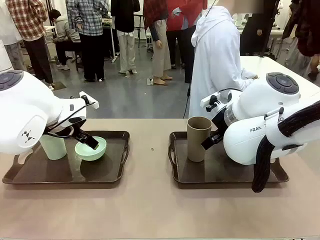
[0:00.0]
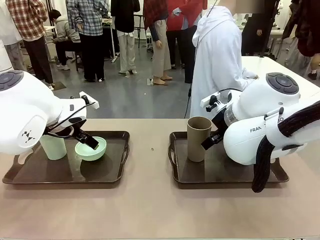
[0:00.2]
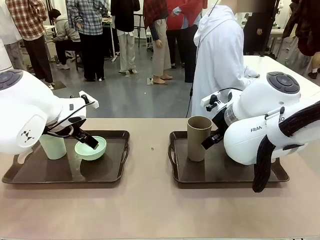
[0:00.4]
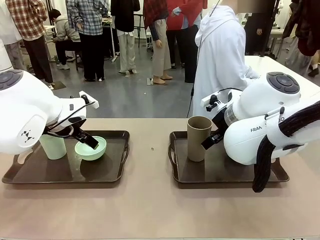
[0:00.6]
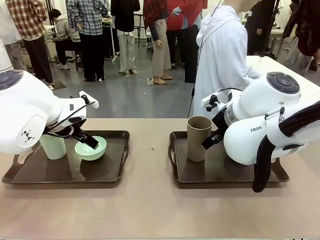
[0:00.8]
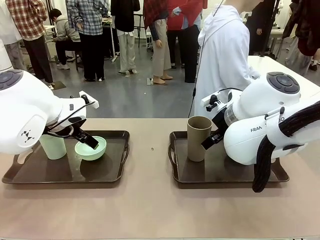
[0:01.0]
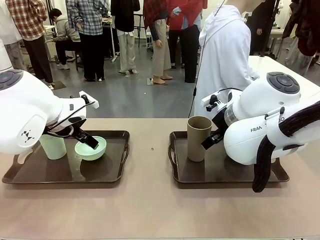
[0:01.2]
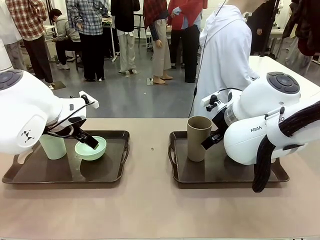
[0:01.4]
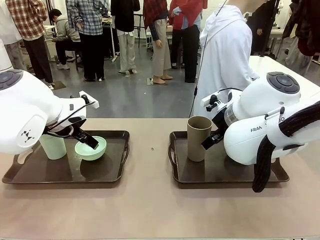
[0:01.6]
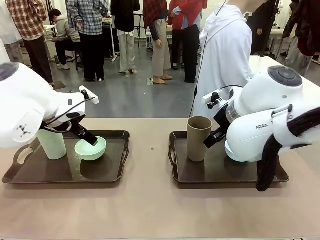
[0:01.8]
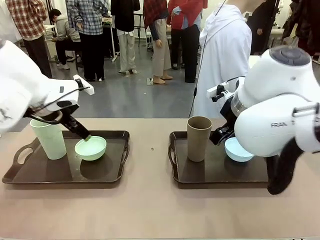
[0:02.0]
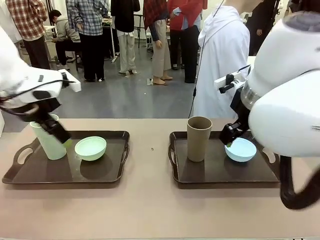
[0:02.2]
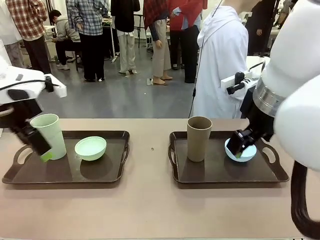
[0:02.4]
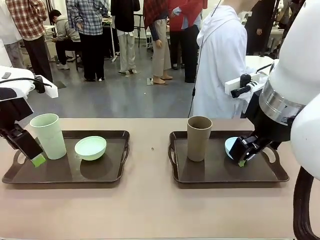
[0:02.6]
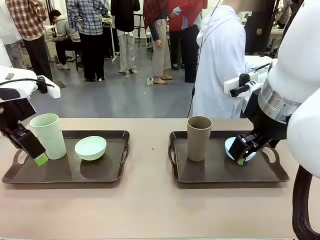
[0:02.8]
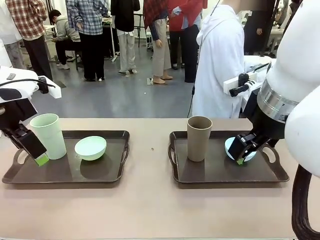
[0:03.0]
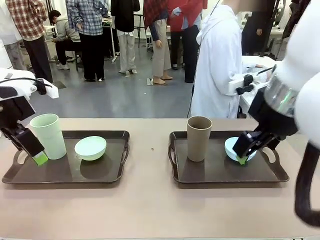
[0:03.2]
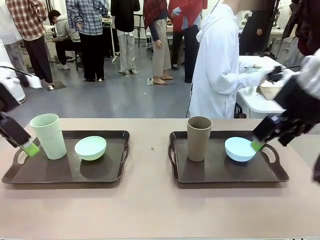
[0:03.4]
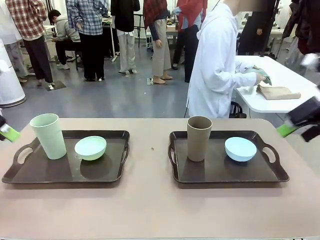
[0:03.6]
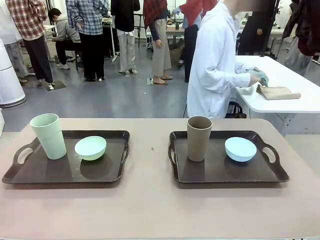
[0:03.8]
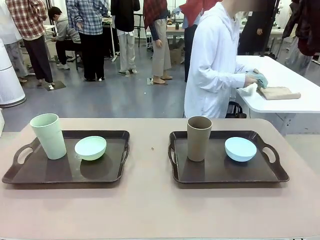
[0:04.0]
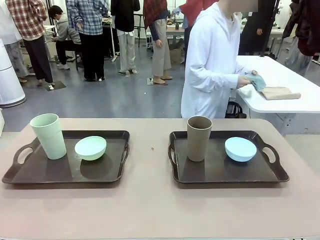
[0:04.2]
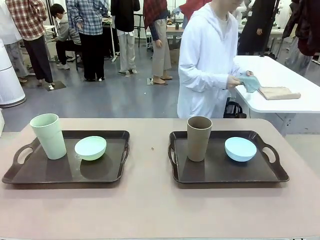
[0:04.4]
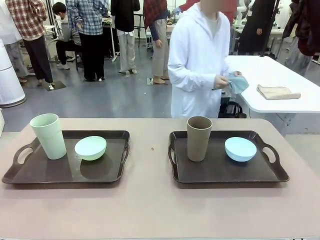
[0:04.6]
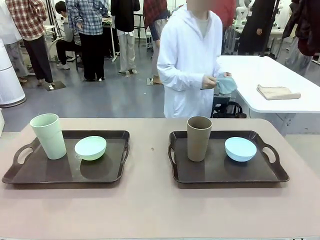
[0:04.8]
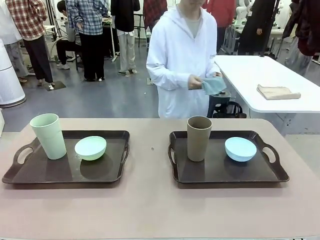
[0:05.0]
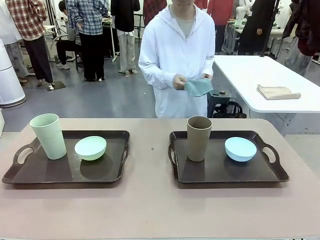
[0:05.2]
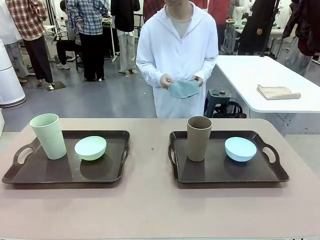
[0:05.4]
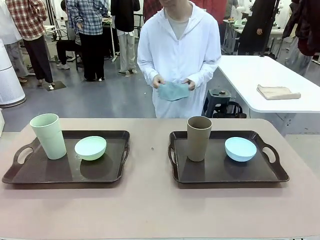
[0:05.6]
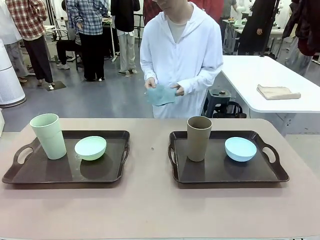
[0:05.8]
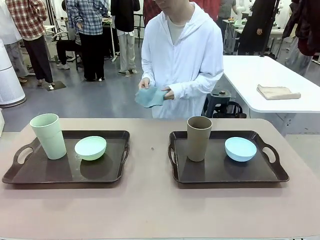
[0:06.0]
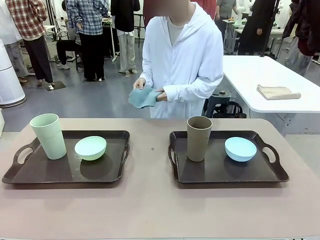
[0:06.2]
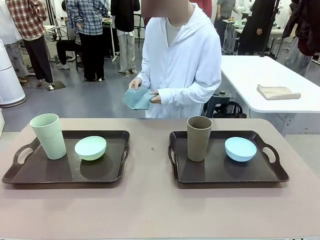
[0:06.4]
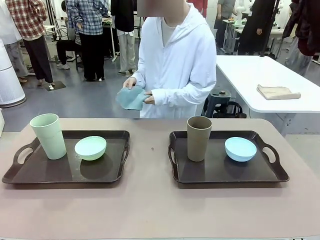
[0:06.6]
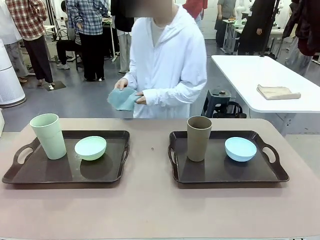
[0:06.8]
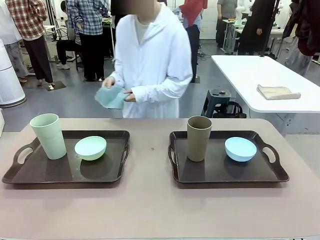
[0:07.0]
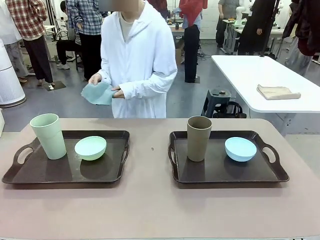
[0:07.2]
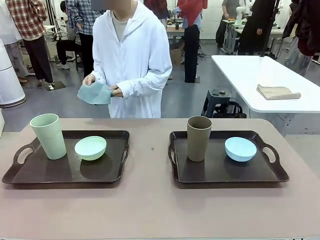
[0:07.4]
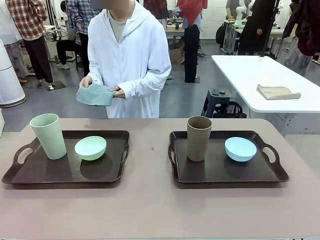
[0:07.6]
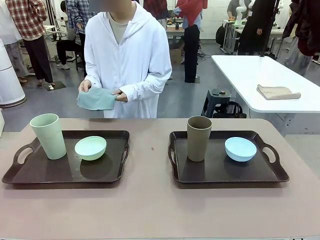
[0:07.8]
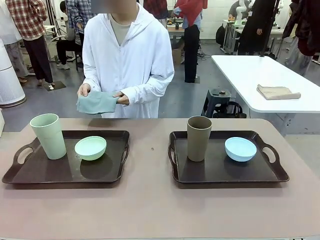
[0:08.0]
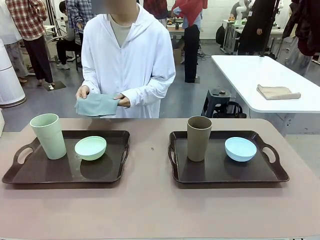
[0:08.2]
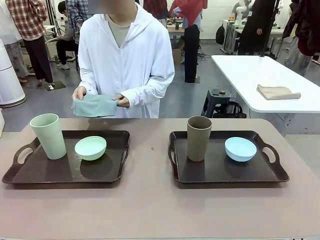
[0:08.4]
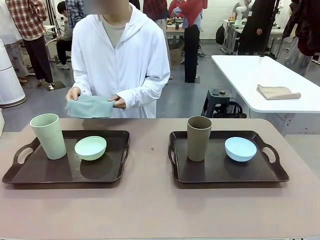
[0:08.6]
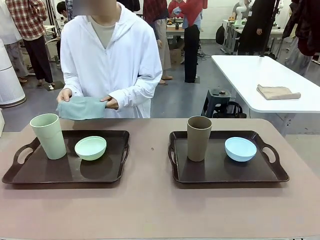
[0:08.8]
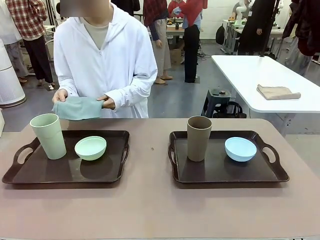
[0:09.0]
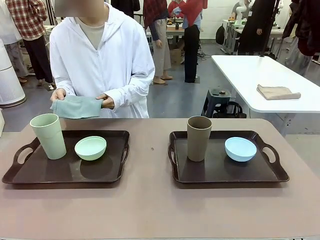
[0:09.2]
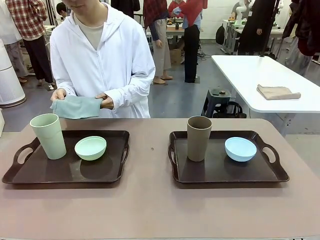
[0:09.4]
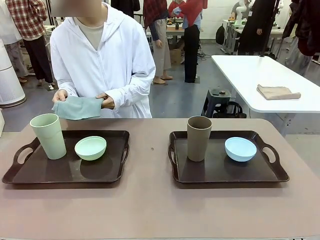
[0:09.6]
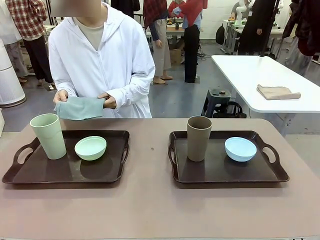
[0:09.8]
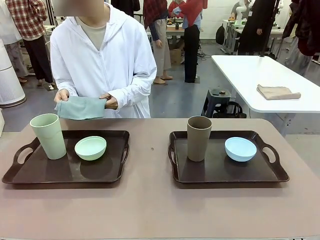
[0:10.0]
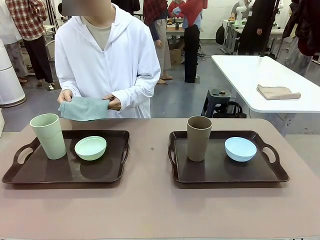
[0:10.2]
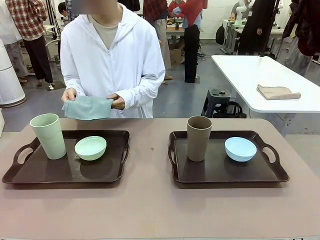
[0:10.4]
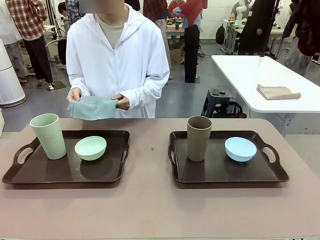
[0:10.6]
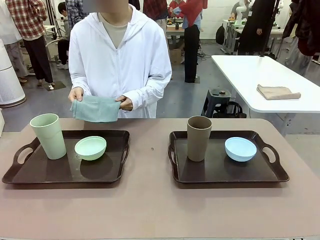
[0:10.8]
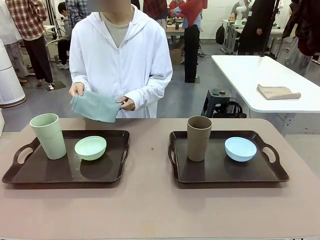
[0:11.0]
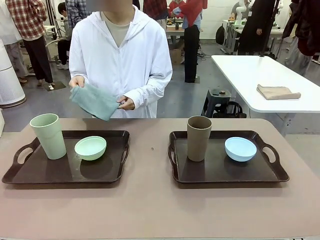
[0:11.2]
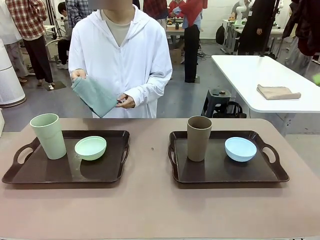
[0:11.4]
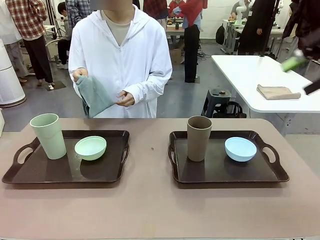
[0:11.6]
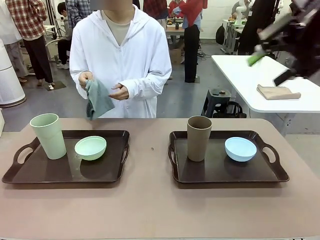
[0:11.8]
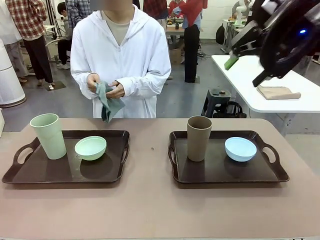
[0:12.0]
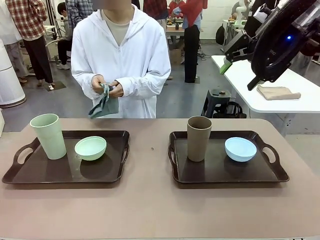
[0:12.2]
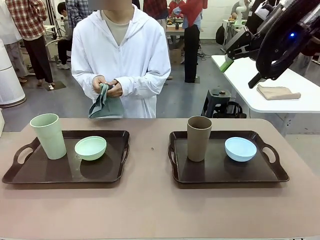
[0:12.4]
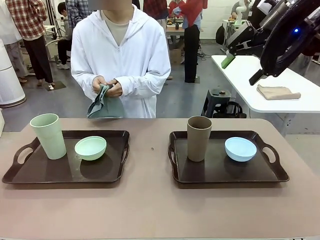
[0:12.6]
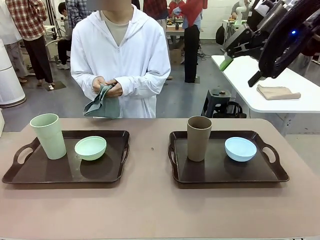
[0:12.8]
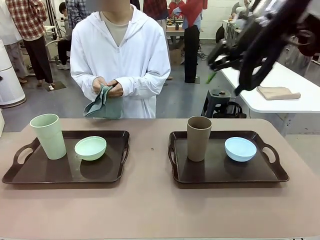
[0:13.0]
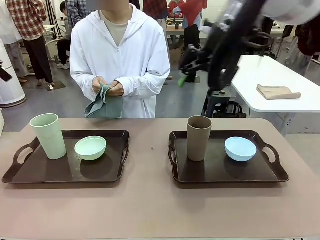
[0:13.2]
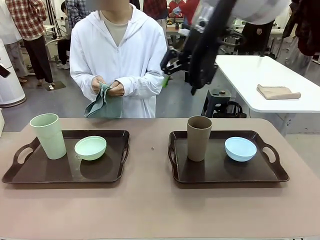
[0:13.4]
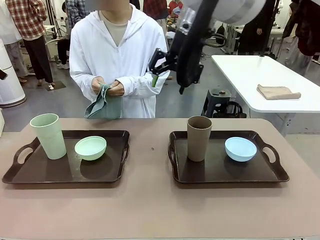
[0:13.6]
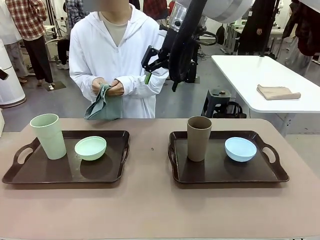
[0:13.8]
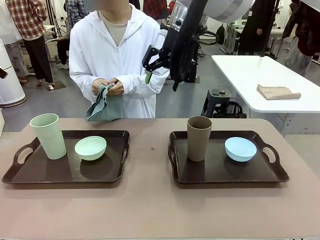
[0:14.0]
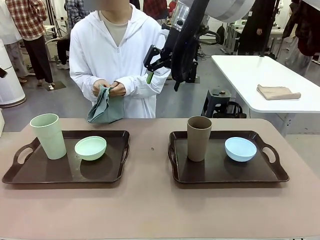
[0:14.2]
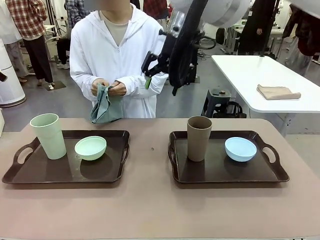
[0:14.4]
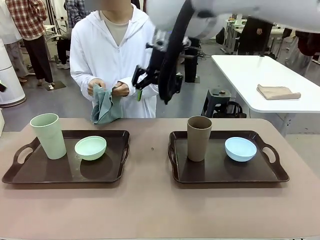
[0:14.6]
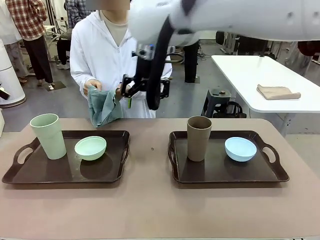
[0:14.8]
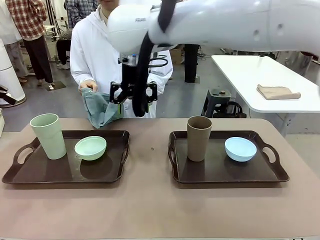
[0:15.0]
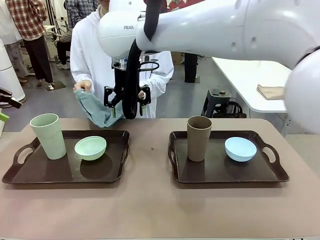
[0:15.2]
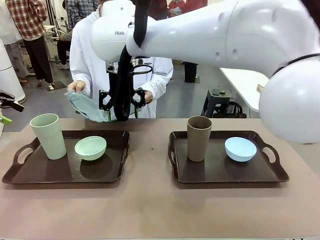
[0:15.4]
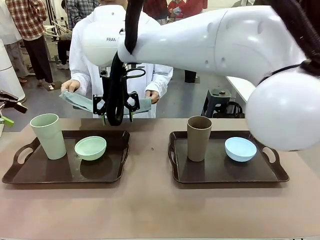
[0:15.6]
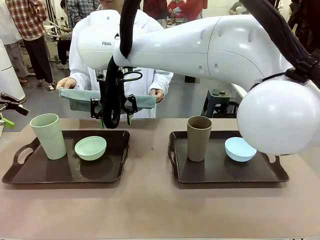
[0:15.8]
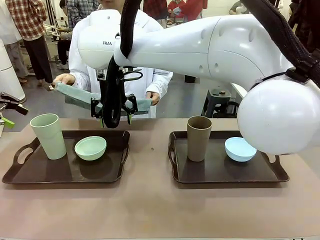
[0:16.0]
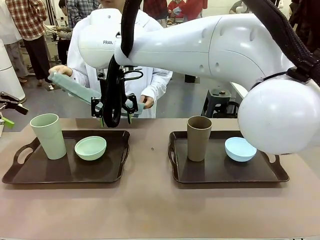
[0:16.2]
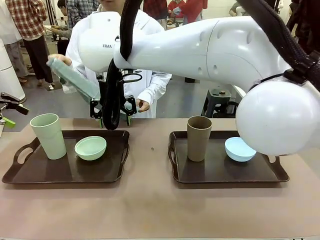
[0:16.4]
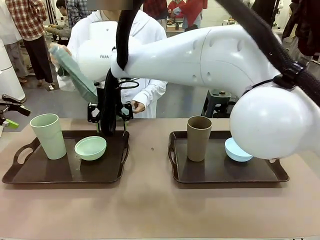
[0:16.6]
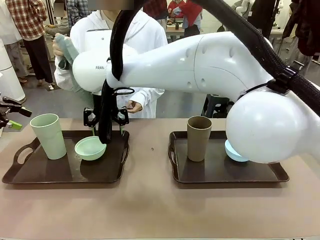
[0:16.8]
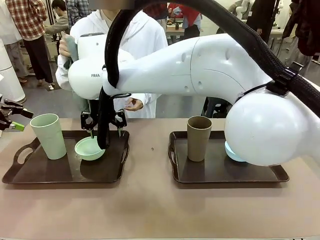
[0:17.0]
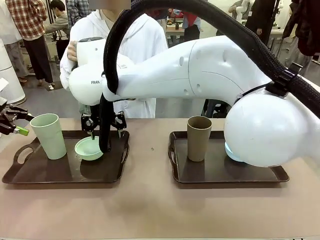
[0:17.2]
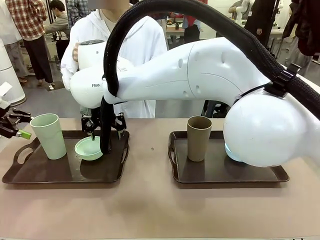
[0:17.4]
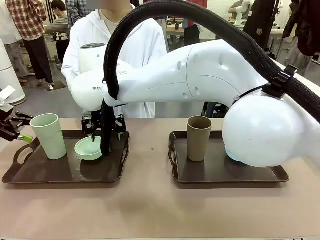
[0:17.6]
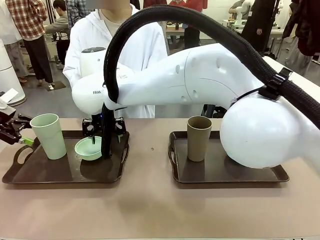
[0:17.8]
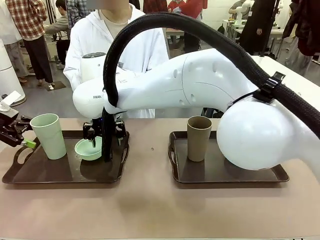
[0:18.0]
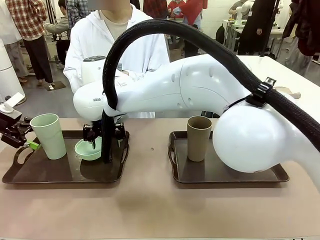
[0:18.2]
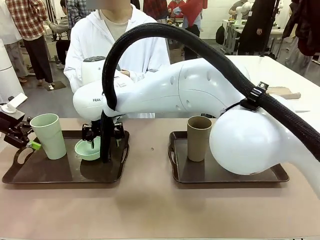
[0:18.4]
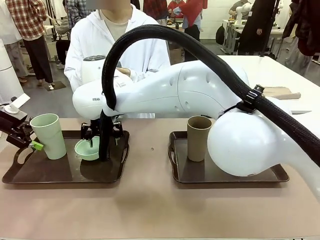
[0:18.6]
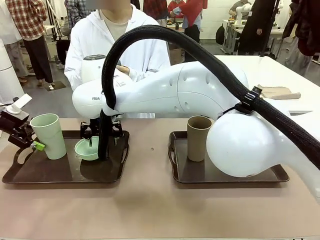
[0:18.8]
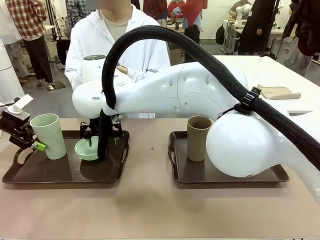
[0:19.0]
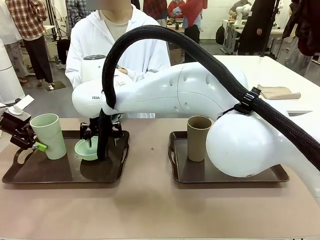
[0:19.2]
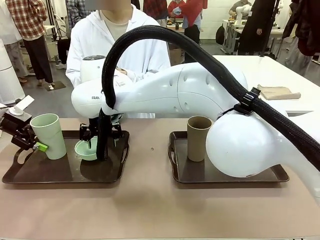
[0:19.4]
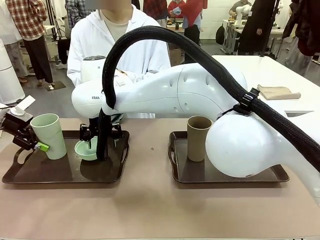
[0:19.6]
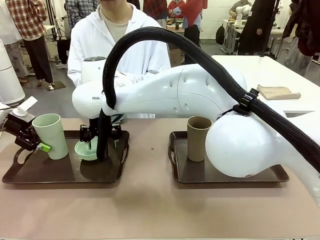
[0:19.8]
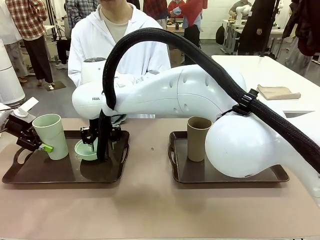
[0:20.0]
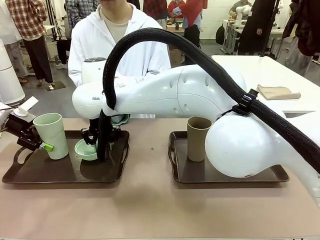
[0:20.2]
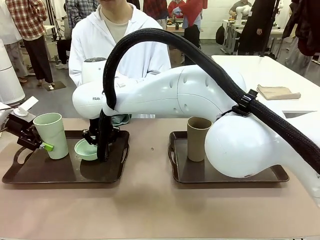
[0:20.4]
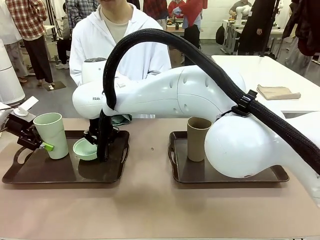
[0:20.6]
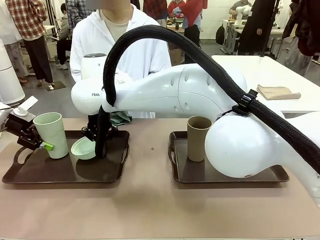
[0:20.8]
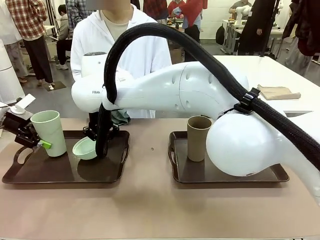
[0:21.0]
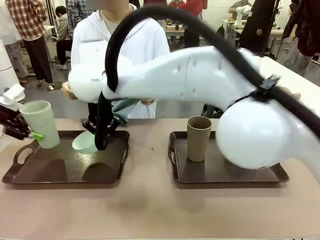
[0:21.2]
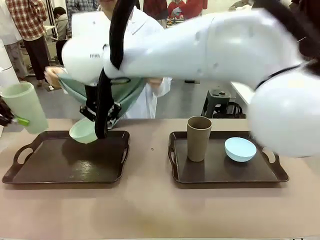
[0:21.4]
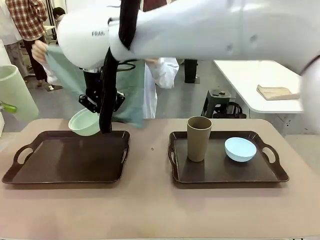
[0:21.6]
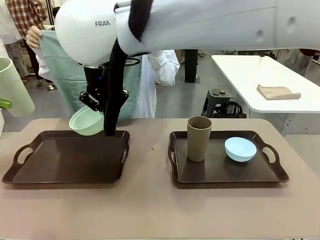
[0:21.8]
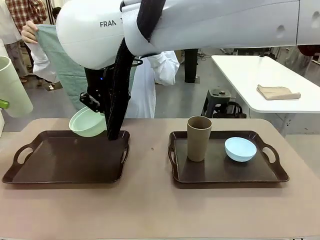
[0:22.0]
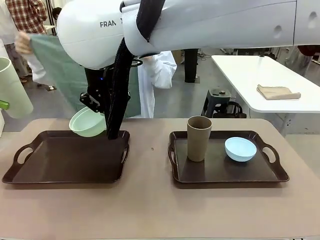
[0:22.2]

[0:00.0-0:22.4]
Robot: Pick up the Picnic Bowl and Reusable plastic cup from the Handle tray in front of the human's position and hold them in the air.
Person: The human picks up the top napkin from the stack on the human table and walks to the robot table to stand in front of one of the two trays. When the robot lifts the bowl and the cup, the human unfolds the napkin and lays the napkin flat on the tray.
